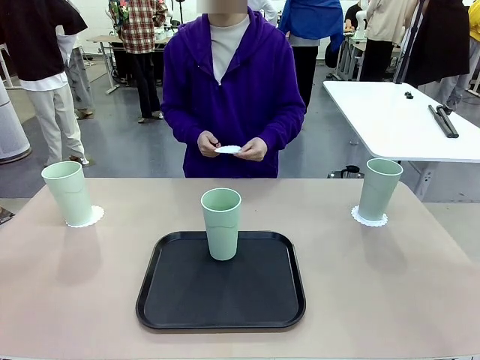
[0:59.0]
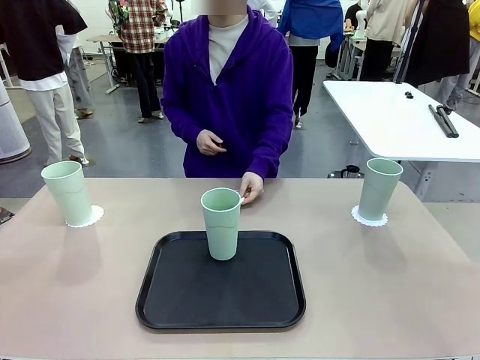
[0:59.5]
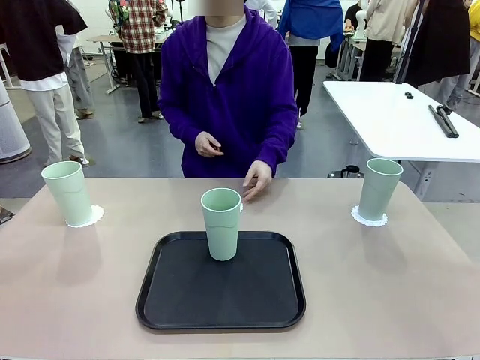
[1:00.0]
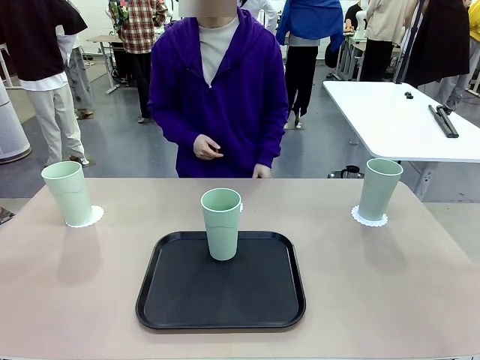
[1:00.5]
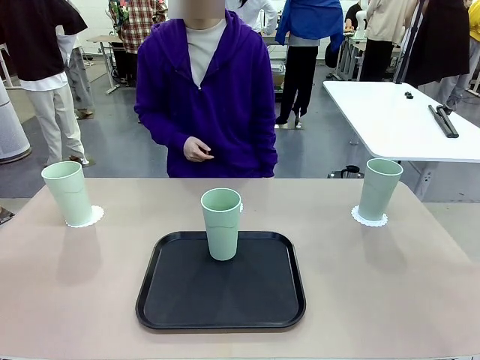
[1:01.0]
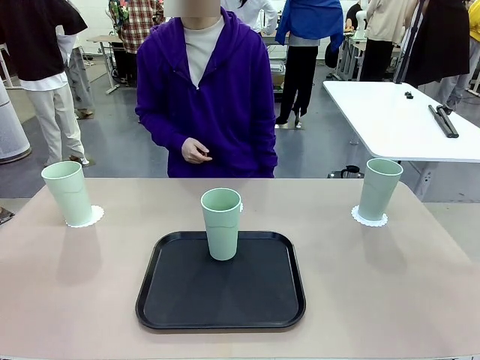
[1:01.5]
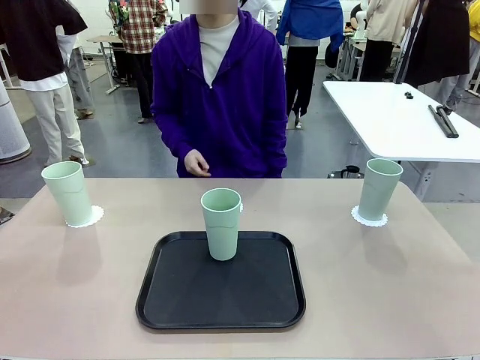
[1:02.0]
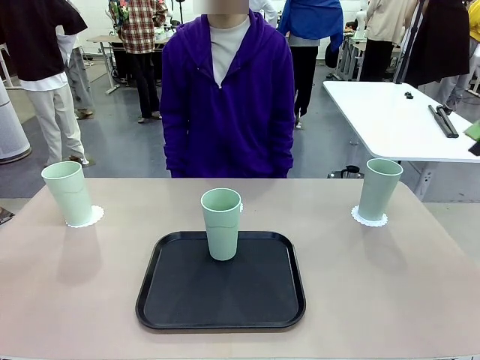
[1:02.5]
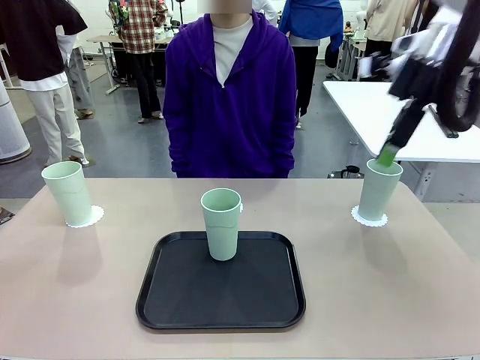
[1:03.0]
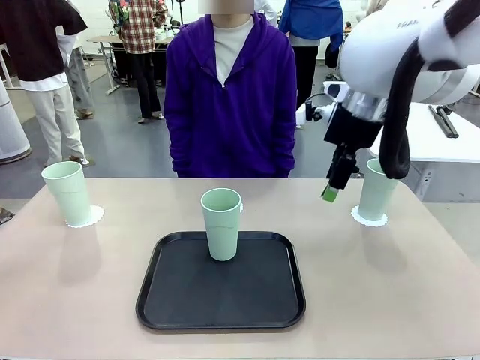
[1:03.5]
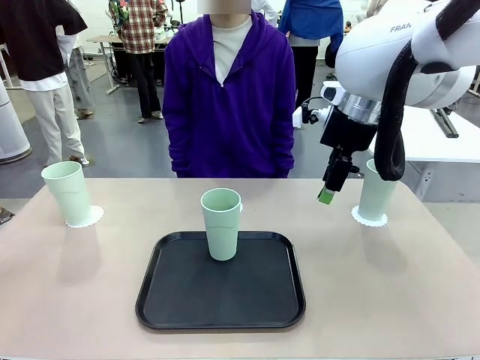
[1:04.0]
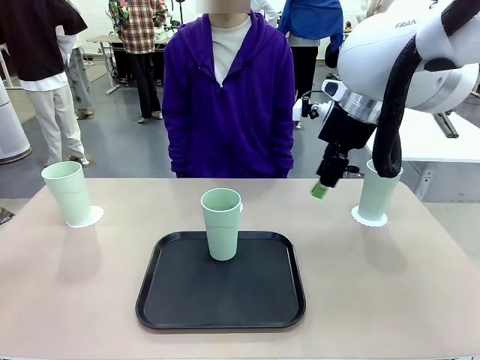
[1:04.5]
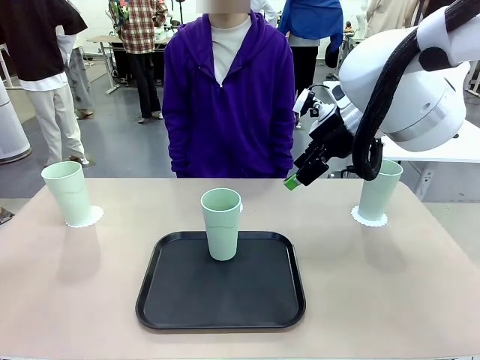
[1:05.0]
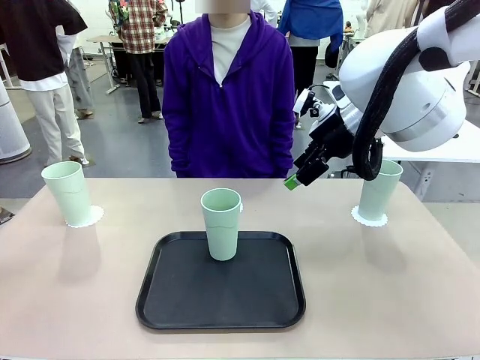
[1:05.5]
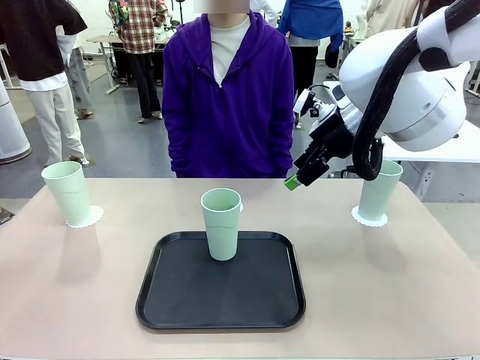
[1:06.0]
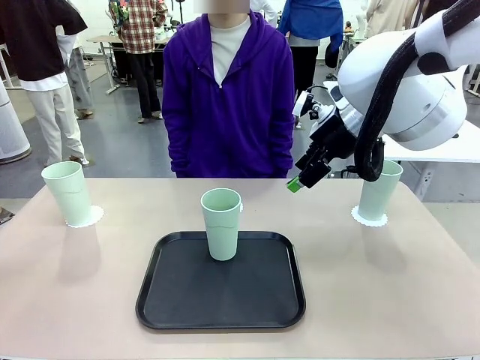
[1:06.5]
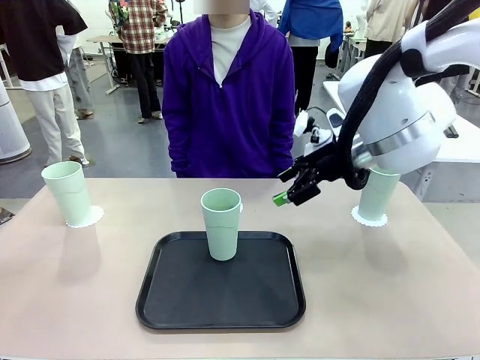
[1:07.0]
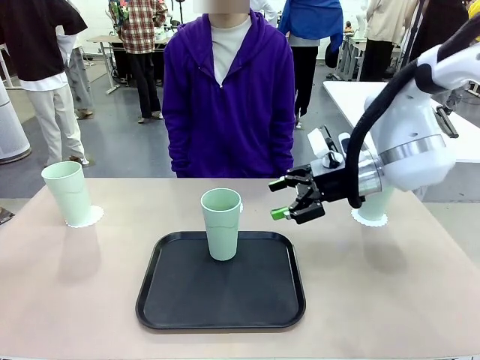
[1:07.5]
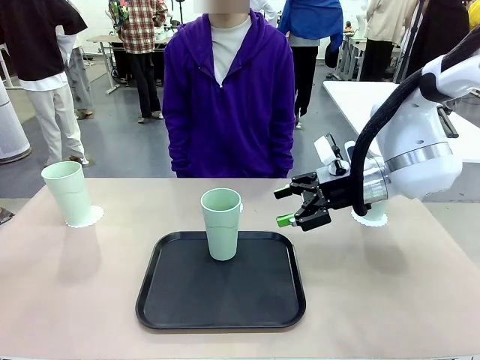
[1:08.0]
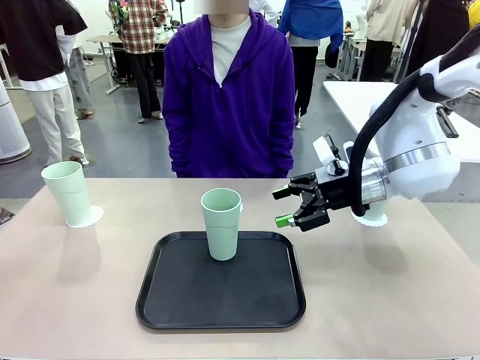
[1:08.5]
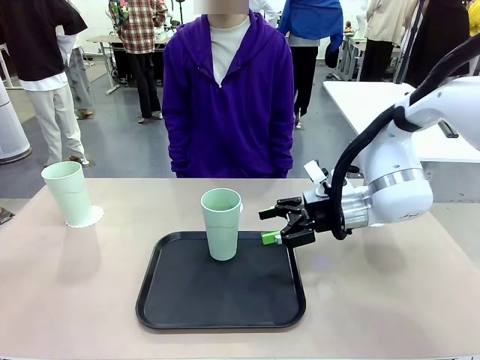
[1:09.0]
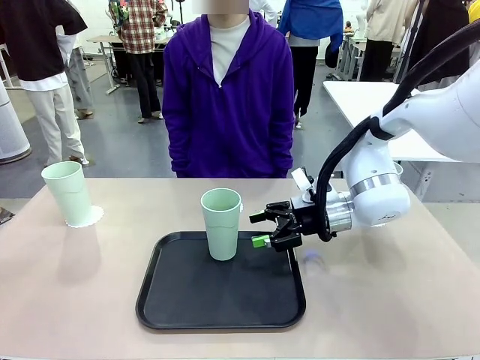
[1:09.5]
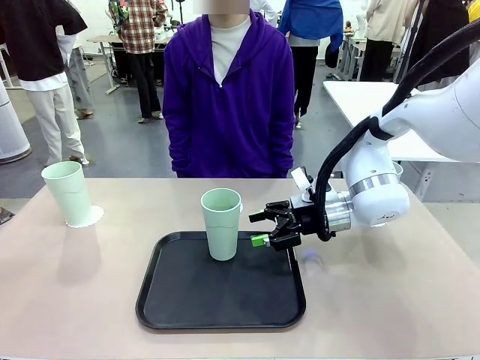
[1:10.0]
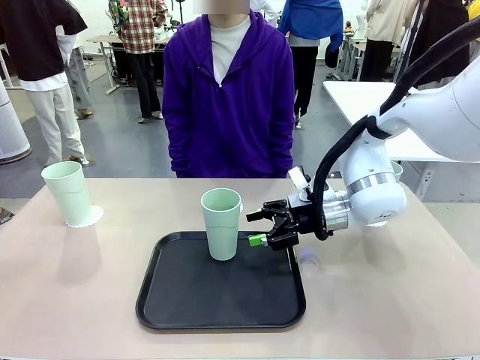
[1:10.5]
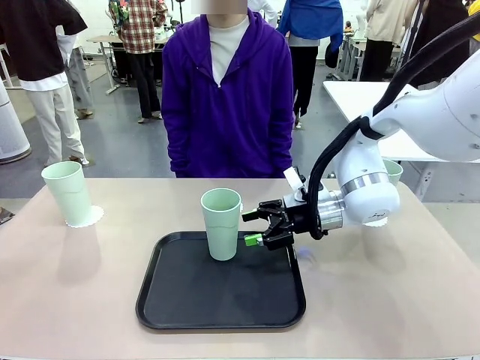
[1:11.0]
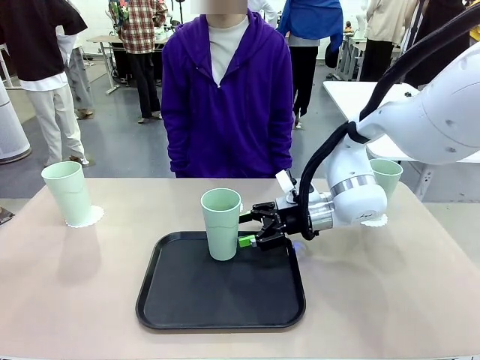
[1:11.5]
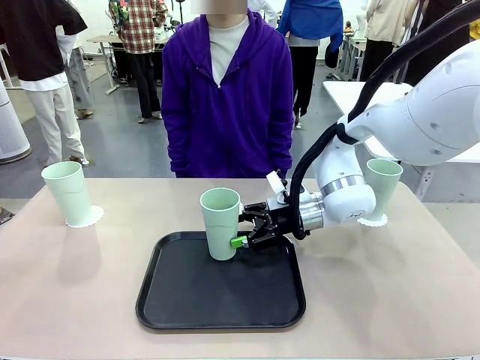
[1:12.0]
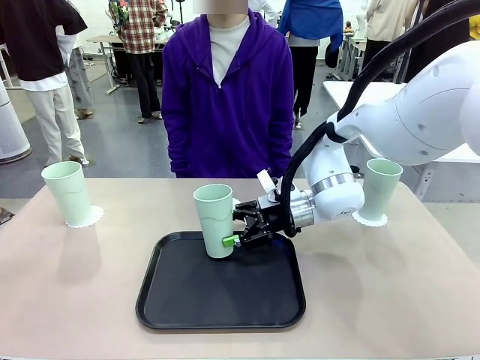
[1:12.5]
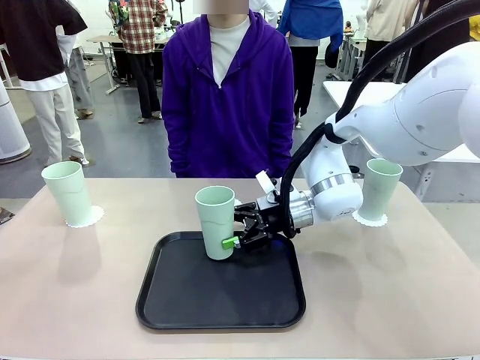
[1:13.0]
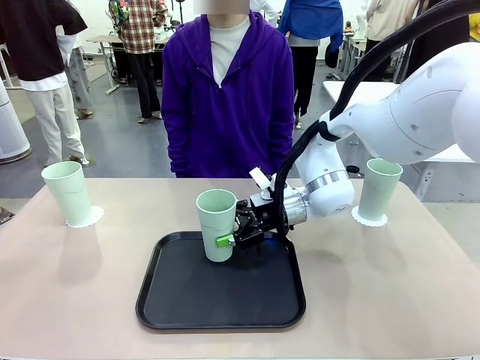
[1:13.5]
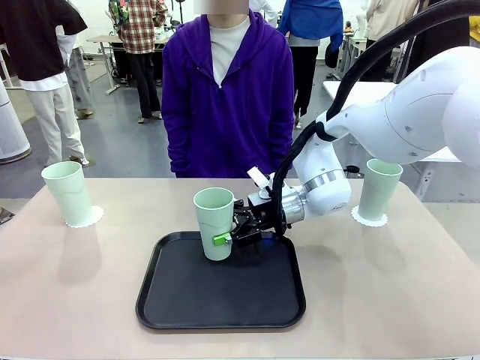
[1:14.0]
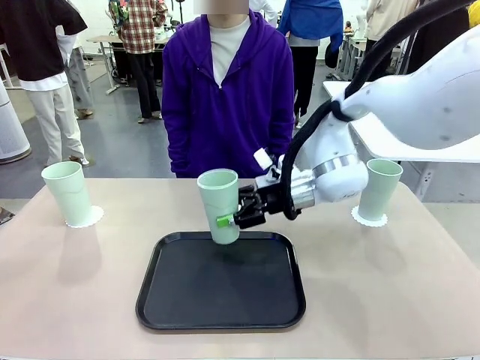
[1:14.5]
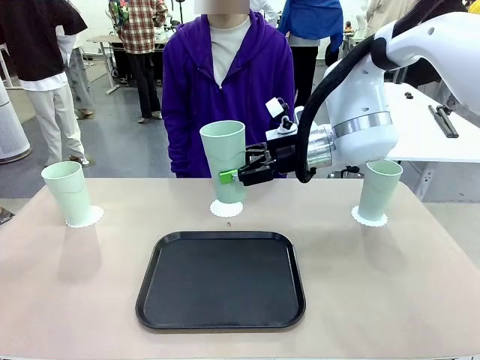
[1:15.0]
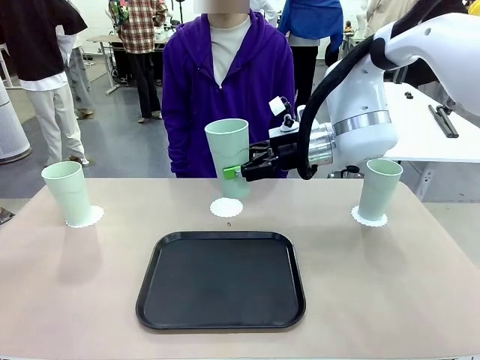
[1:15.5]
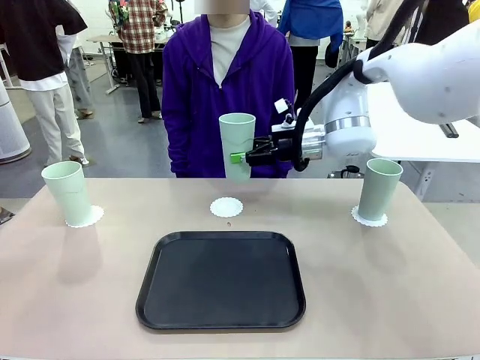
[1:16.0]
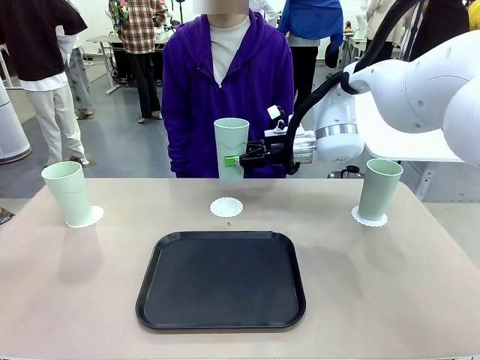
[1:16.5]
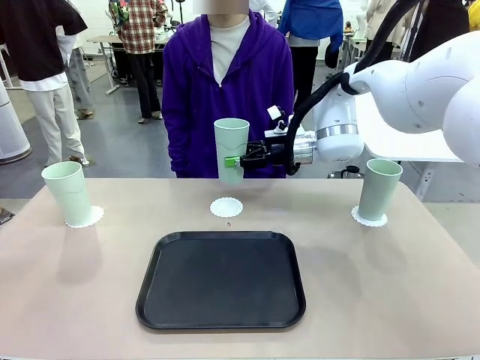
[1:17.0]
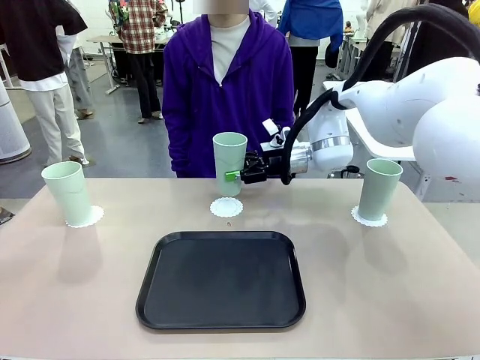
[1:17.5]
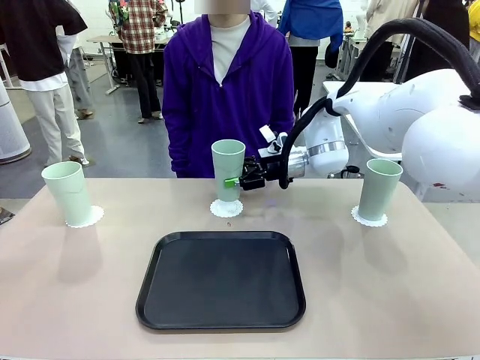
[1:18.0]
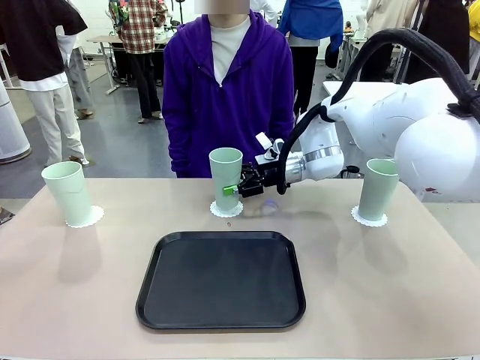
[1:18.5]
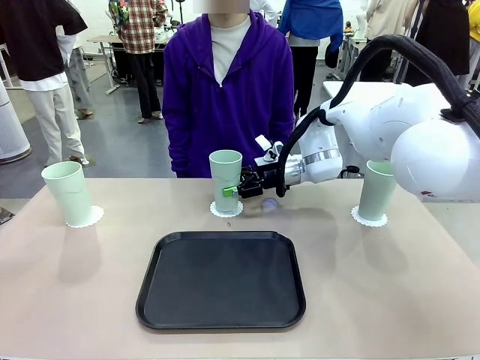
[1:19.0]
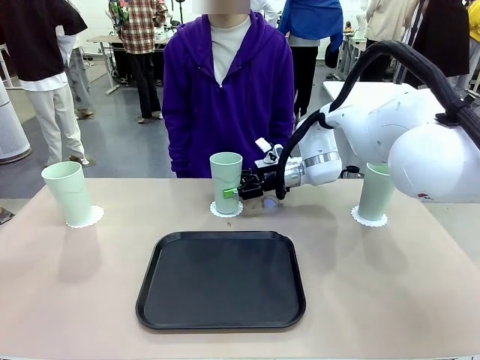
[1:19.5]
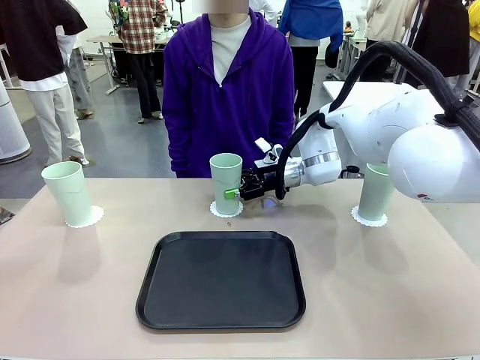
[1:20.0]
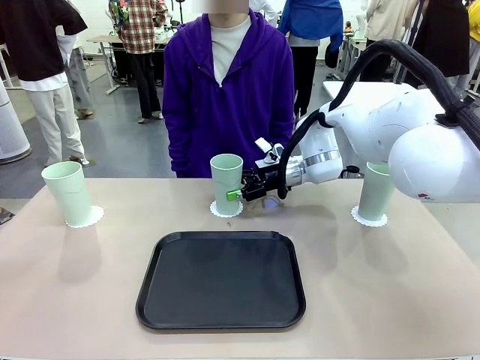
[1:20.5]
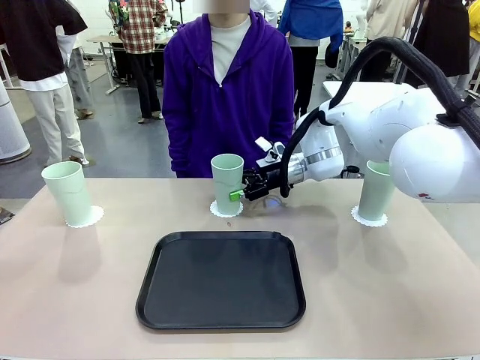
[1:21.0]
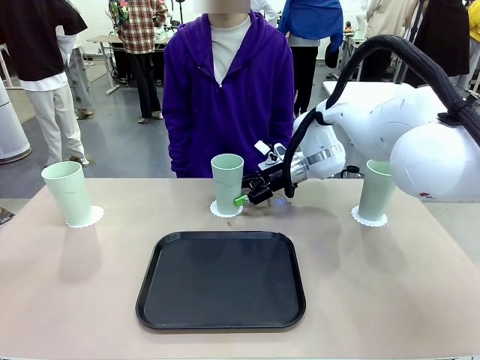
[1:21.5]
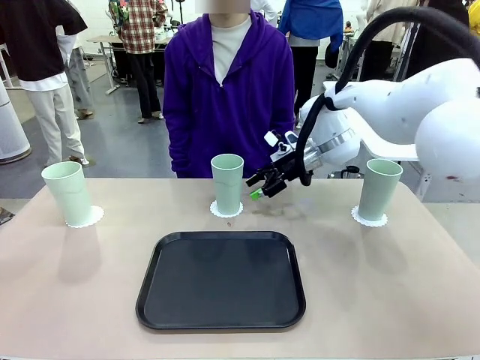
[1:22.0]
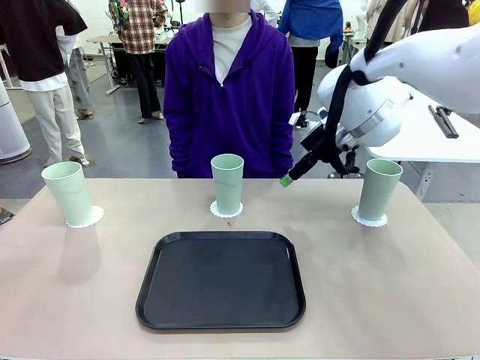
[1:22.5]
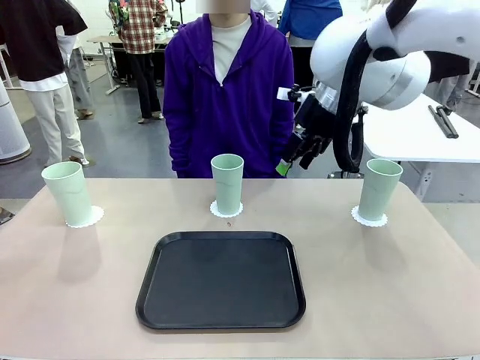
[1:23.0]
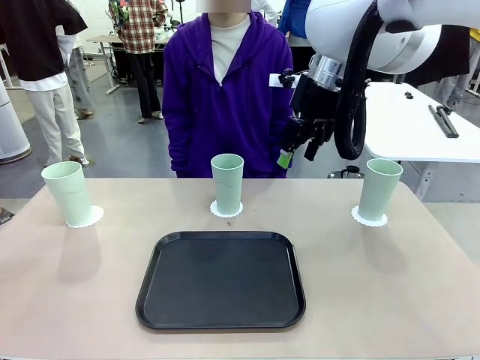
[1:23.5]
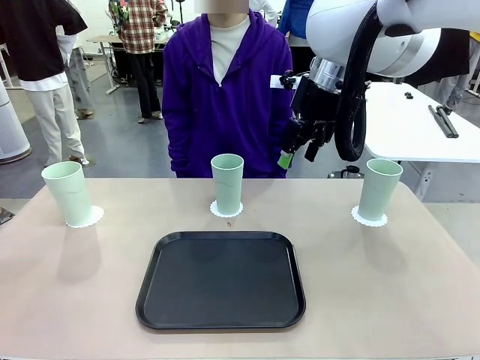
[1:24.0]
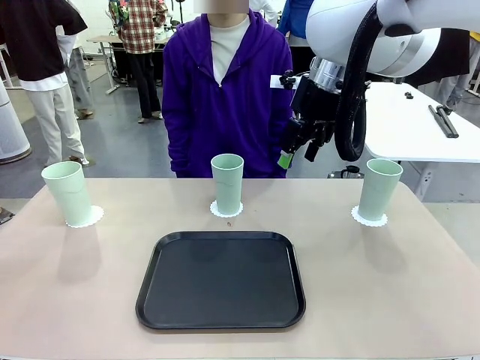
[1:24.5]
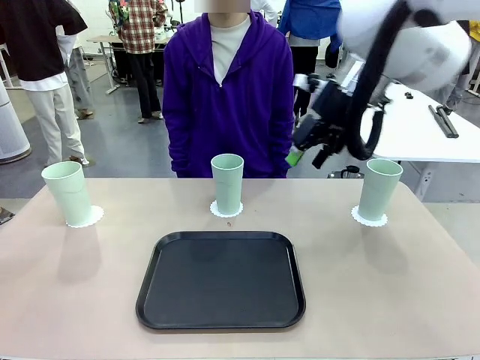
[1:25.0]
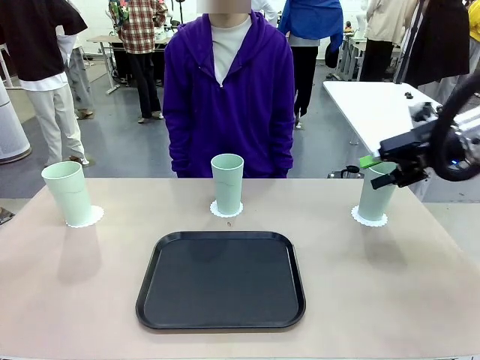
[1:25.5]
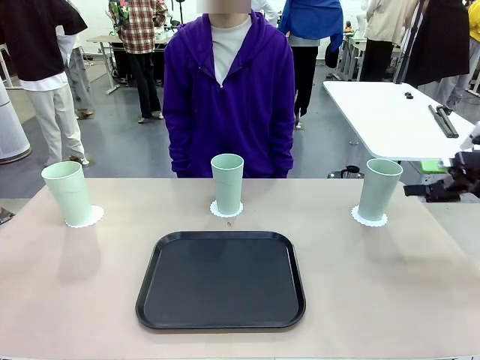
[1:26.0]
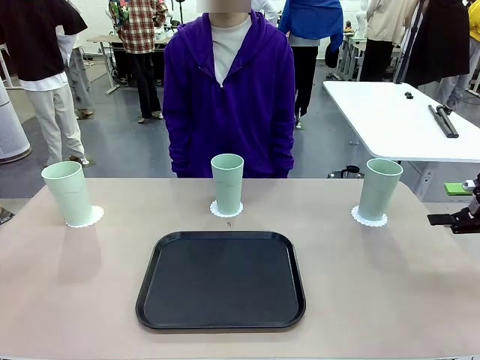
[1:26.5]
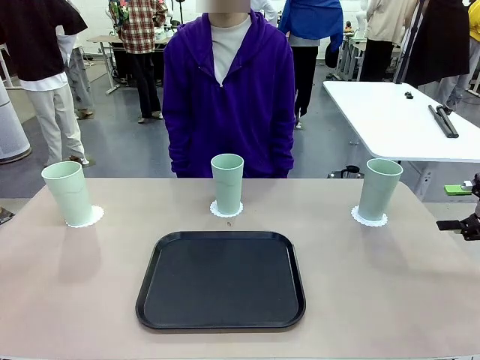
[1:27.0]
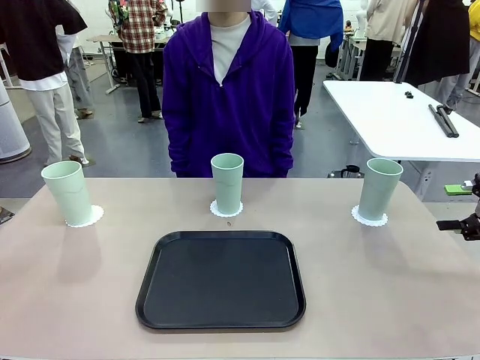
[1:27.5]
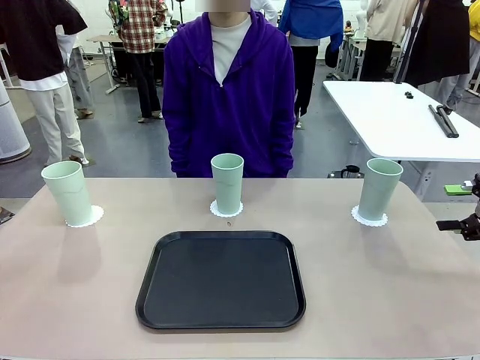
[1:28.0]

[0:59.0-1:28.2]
Task: Place coasters on the table and set cups on them.
Robot: Take one Reusable plastic cup from the Flat Tray and place it on a coaster set by the human.
Person: Place one coaster in the only remaining area.
